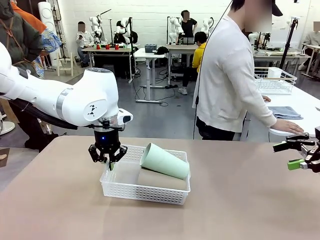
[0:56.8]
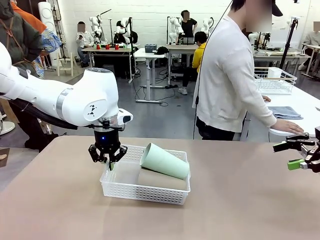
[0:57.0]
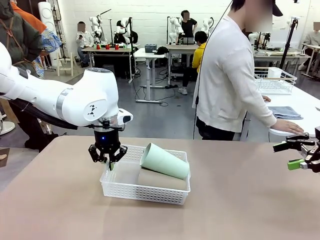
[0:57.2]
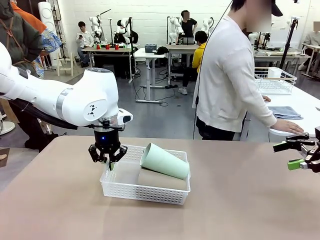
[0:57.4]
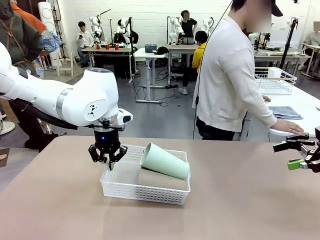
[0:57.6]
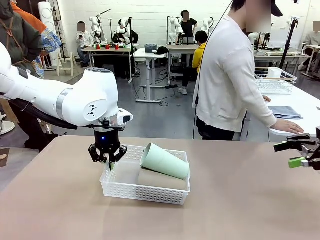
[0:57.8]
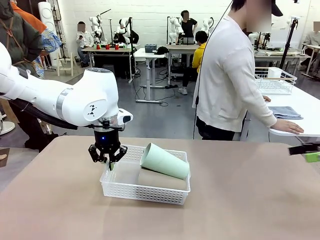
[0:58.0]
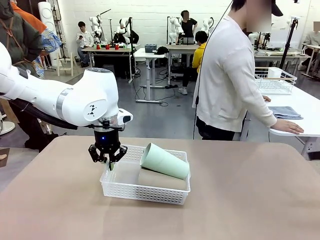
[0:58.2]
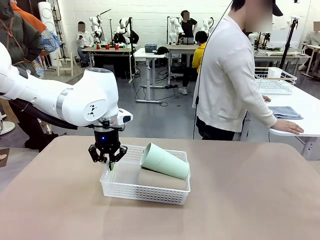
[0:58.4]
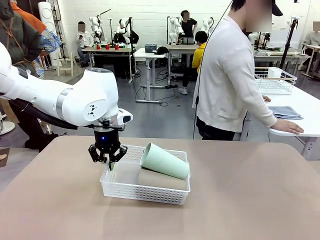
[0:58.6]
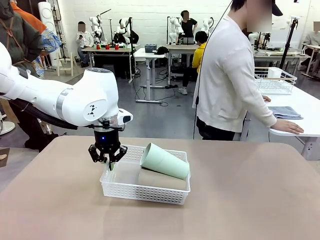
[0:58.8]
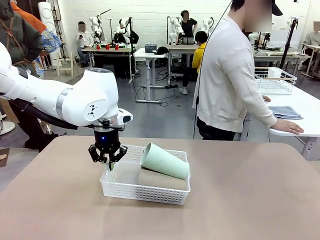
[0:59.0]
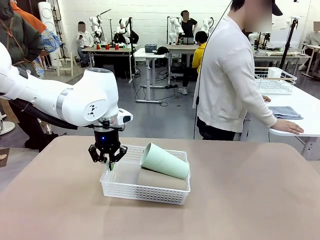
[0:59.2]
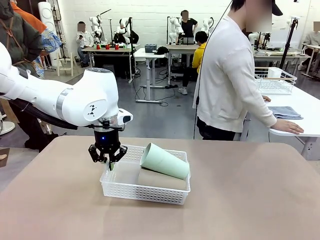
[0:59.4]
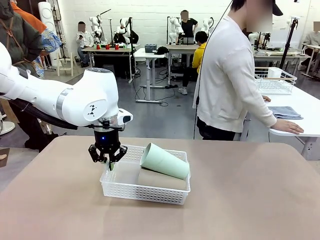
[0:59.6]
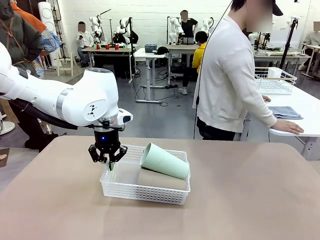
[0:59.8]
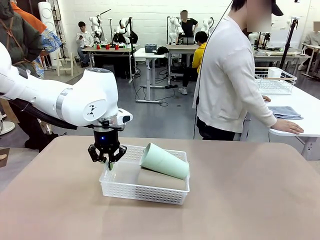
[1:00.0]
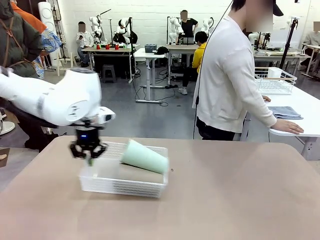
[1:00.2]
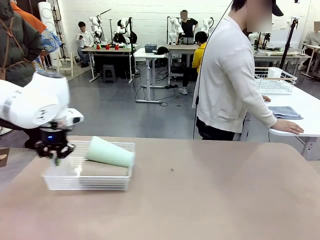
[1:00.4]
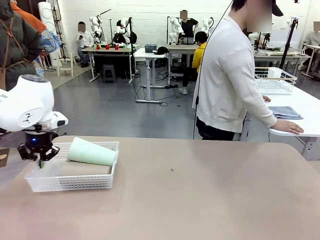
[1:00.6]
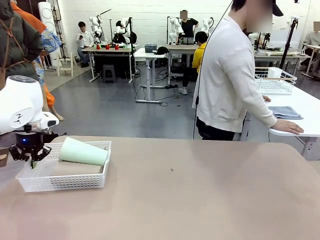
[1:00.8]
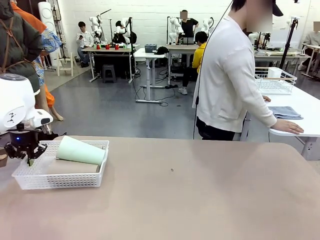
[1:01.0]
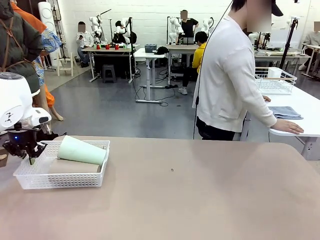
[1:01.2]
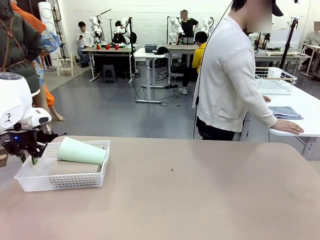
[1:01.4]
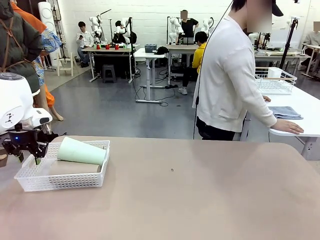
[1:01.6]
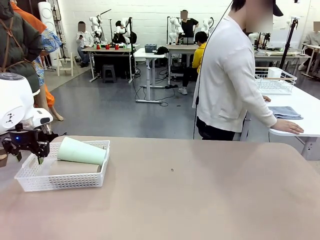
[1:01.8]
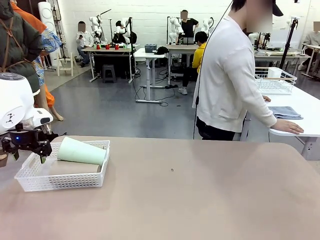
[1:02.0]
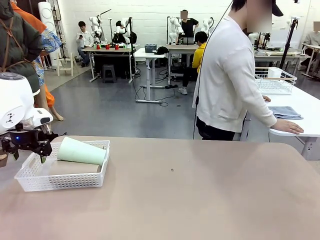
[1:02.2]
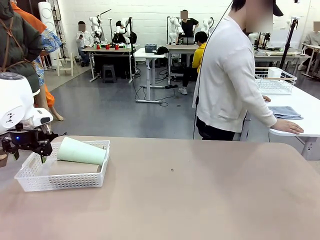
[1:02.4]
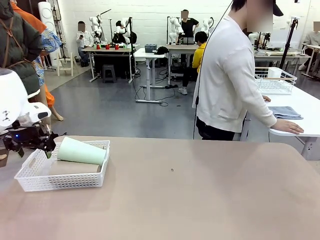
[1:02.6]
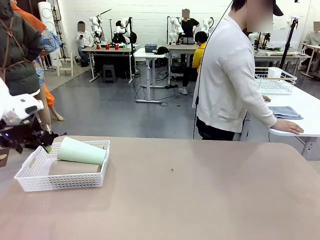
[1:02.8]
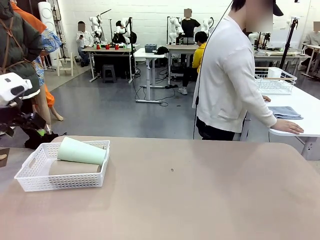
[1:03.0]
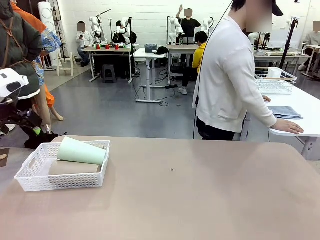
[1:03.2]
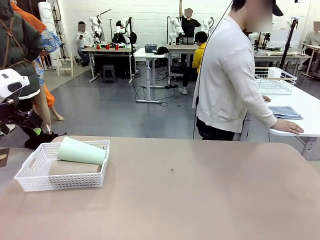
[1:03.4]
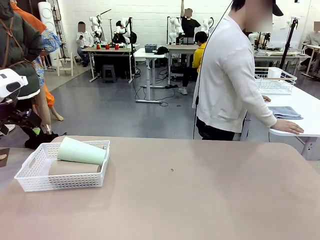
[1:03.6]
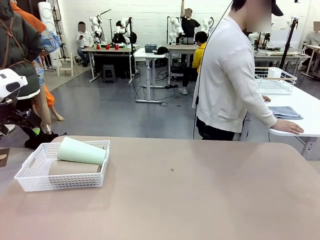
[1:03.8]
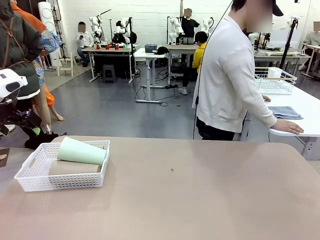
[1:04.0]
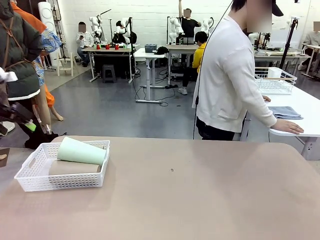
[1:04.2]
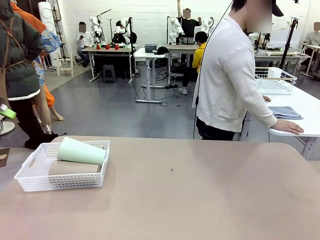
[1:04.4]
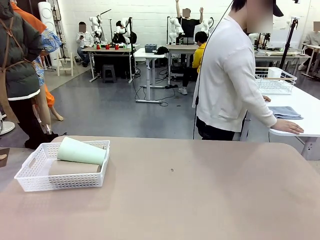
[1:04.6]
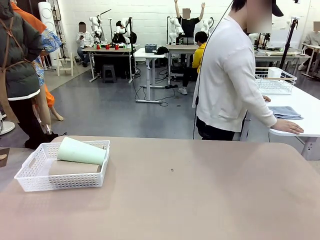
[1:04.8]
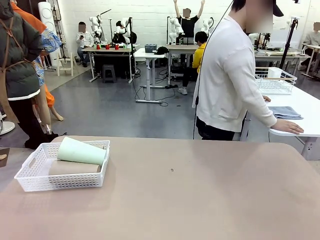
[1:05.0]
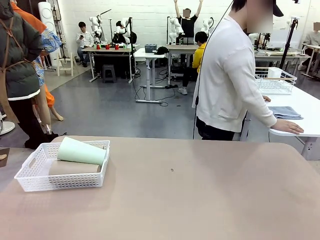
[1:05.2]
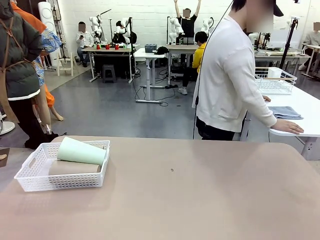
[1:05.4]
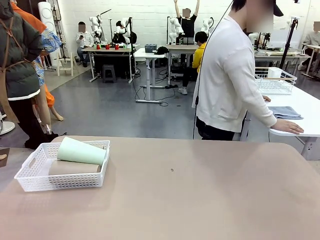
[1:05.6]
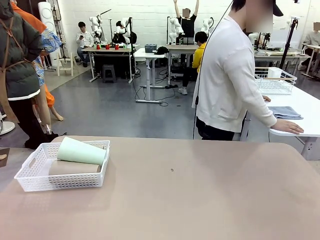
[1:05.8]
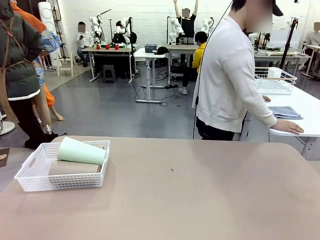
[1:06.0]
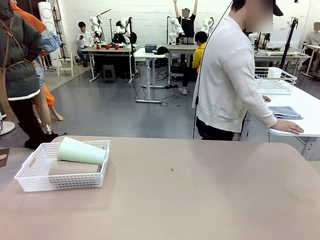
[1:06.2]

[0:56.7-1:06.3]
Task: Clean and organize the cups into the basket.
Robot: Move the Organizing basket back to the left side of the table.

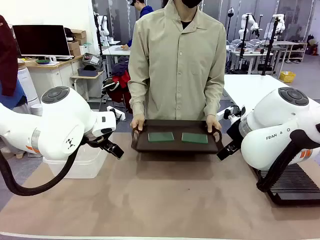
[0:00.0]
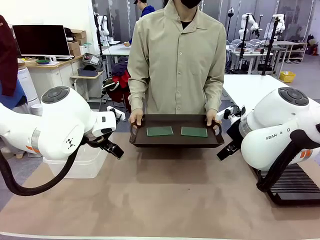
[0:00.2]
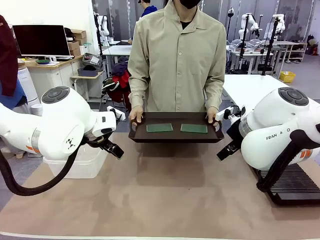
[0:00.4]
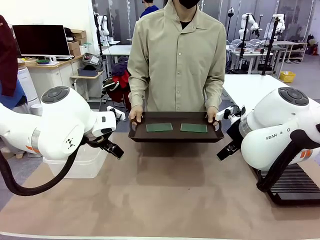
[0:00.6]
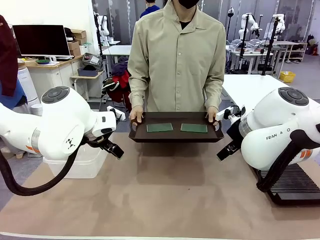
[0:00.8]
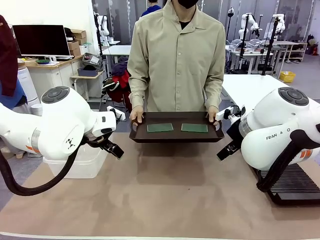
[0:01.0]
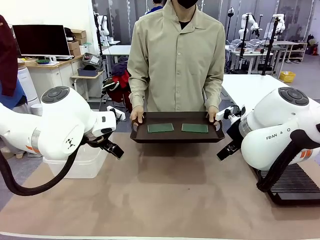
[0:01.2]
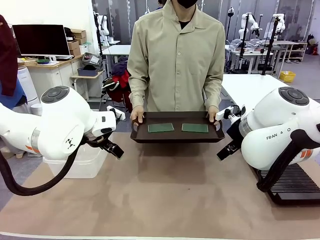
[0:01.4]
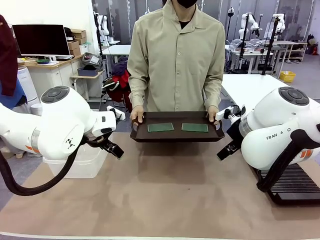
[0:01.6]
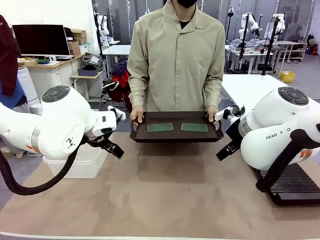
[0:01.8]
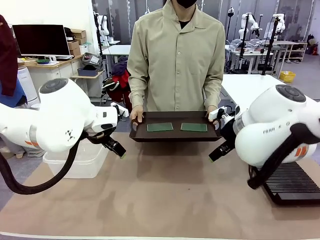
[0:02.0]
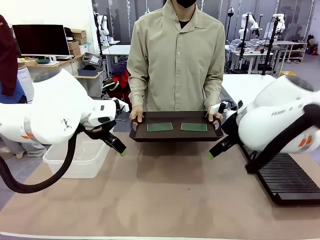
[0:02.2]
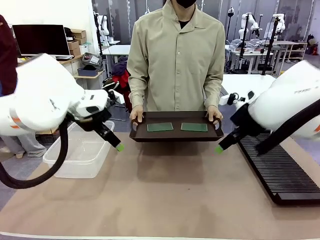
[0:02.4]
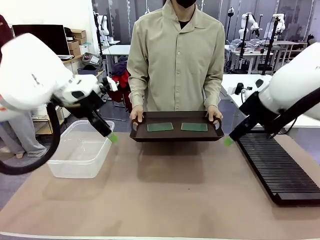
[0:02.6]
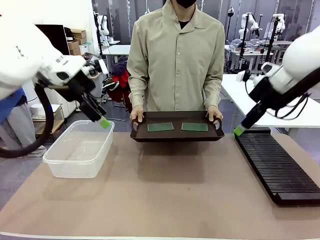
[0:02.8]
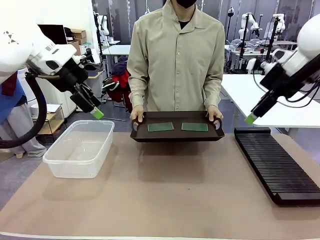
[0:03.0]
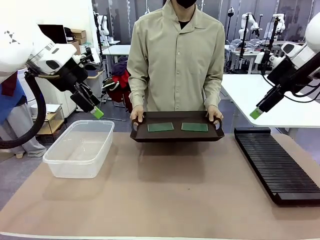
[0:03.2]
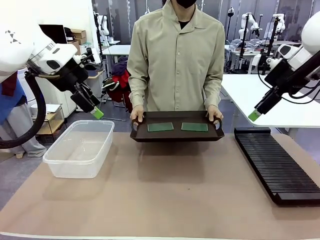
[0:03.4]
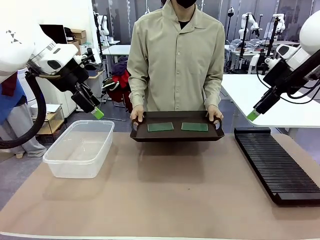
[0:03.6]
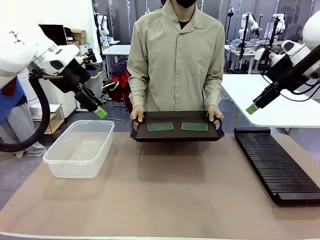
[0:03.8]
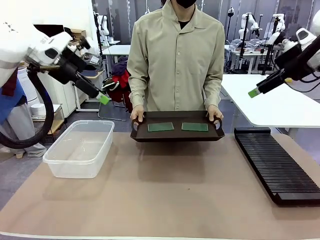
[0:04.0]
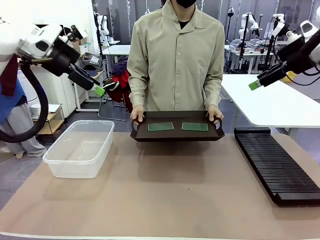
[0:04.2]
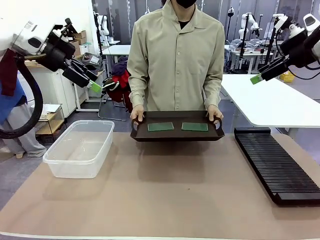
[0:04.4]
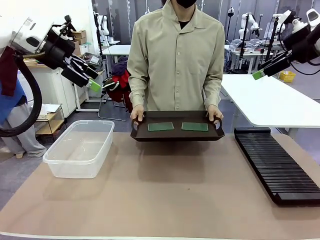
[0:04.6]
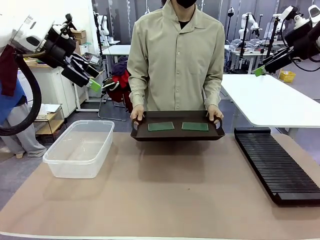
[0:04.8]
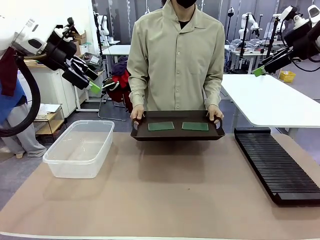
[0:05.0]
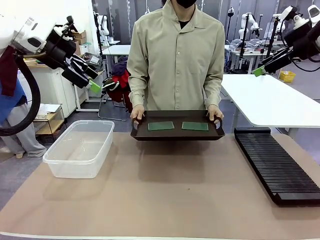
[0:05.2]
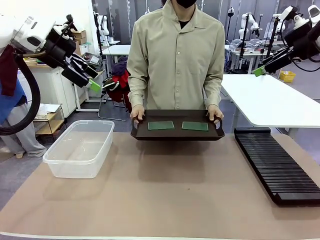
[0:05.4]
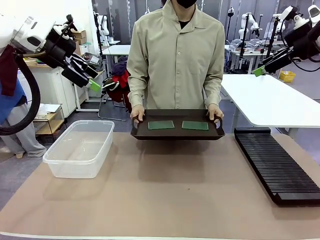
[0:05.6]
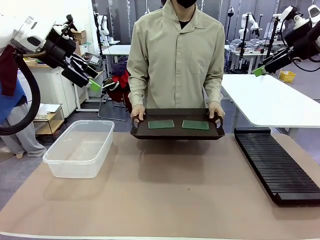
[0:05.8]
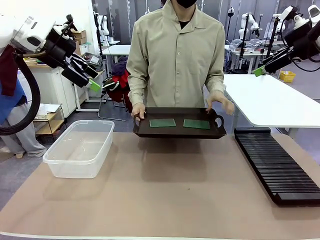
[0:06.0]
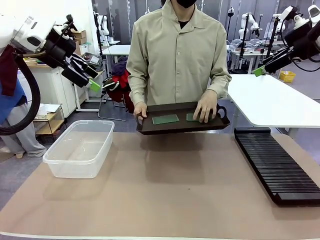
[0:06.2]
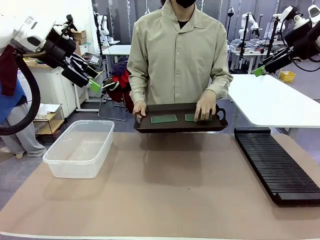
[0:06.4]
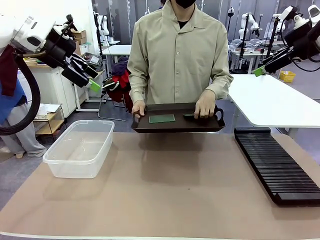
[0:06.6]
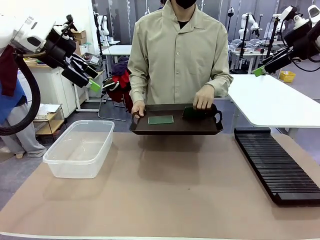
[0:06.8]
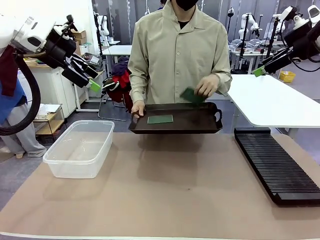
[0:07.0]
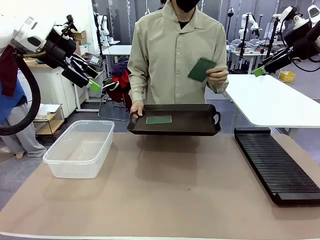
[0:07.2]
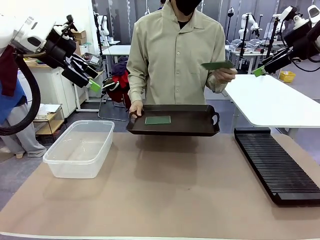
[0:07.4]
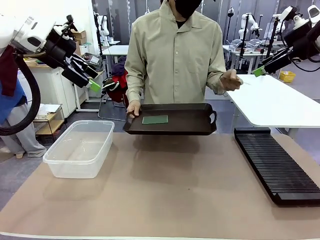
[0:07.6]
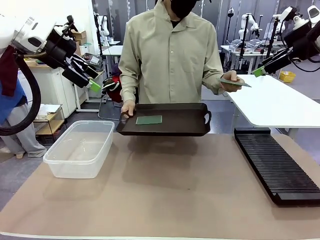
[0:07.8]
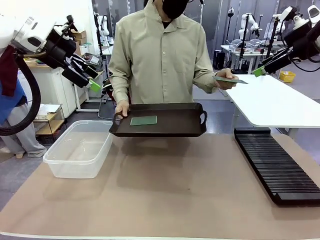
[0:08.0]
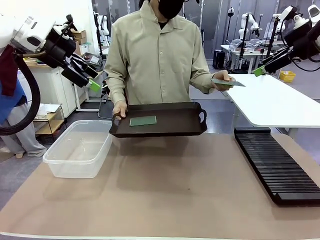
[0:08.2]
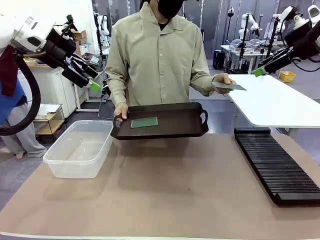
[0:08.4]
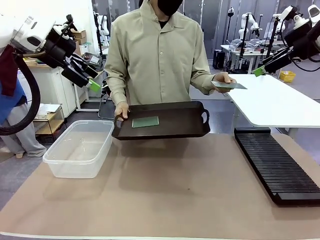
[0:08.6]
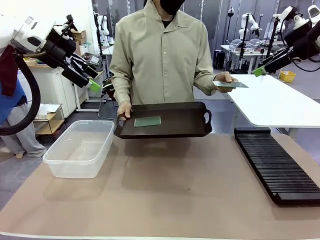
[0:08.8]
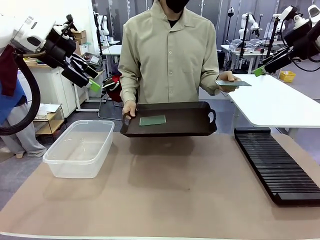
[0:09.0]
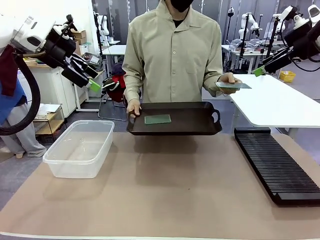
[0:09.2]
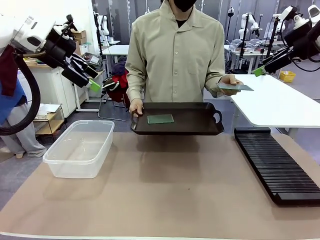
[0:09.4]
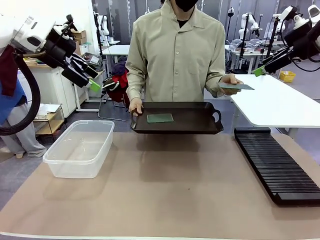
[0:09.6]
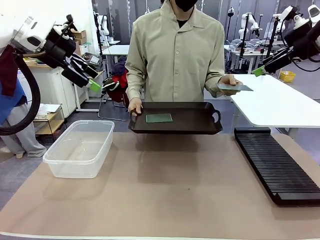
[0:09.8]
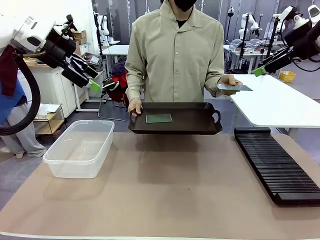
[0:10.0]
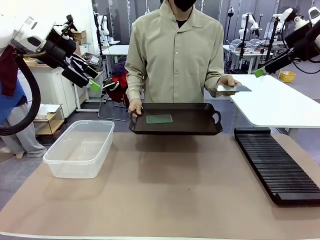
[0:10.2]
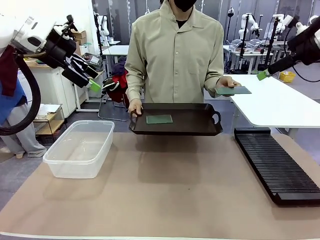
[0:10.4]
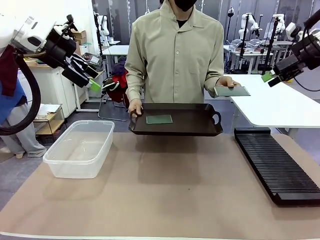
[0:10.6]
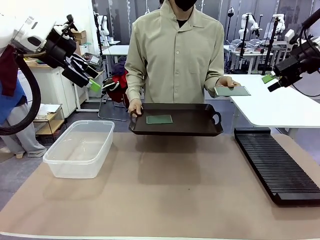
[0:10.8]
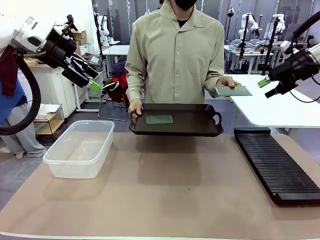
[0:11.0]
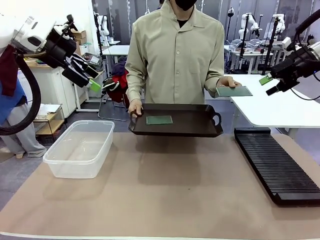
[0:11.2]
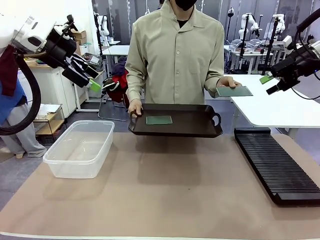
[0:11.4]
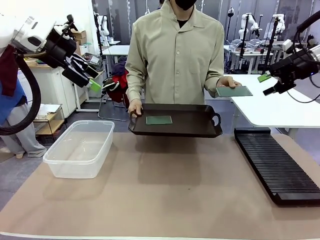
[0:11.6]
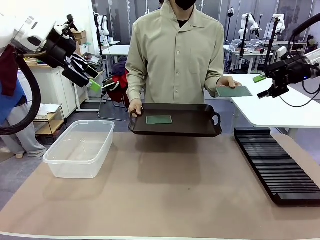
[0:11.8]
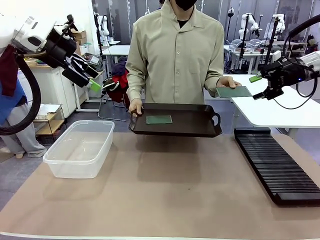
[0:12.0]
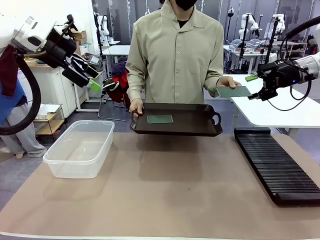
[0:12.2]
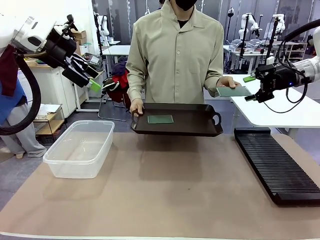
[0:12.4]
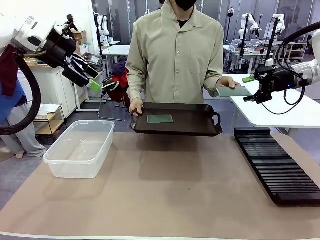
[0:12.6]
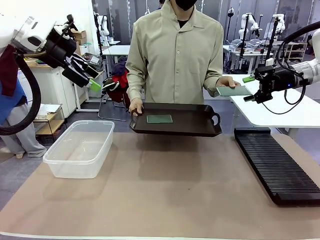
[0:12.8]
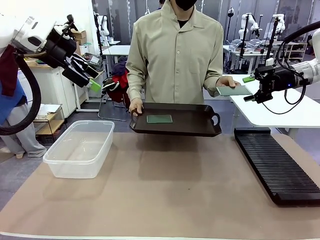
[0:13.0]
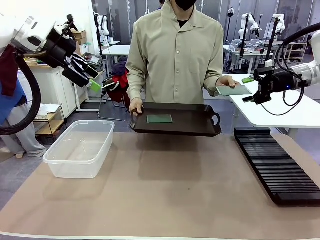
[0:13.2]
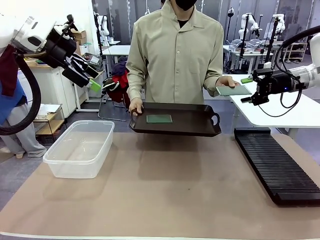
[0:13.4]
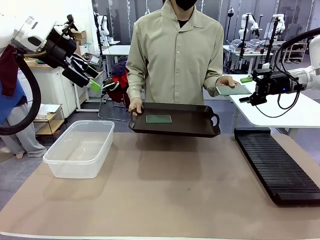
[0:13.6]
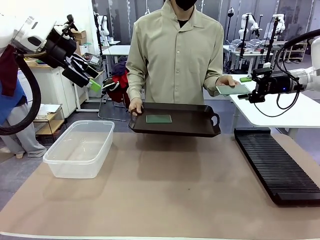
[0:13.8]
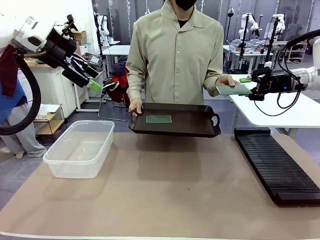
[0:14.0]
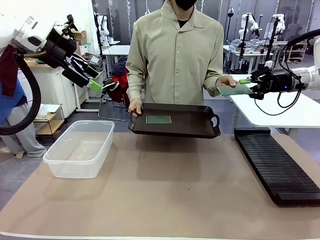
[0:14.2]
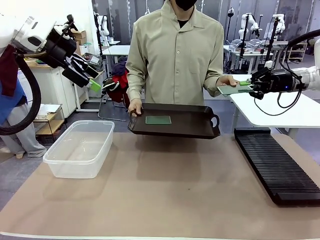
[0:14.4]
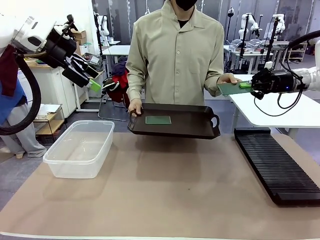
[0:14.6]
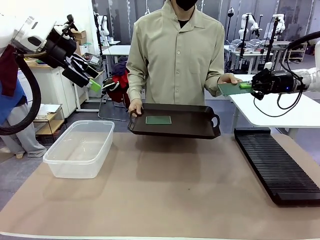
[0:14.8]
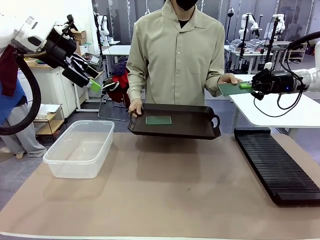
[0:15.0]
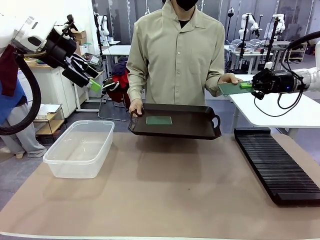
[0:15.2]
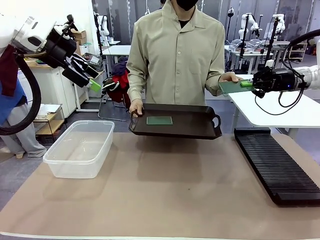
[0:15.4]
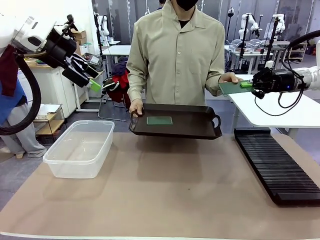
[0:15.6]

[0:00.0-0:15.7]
Task: Sort PCBs into racks and boxes based on the side picked up.
Robot: Pick up the Blank PCB handed by the Human.
Person: Pick one PCB from the tray and present it to the robot. Release the PCB being held.
